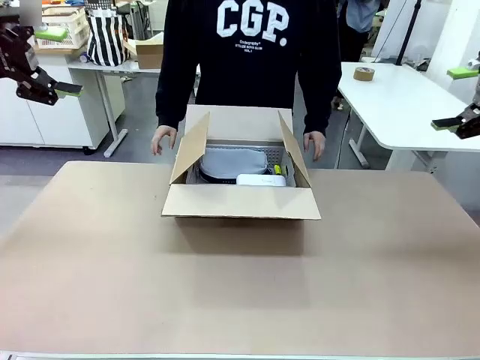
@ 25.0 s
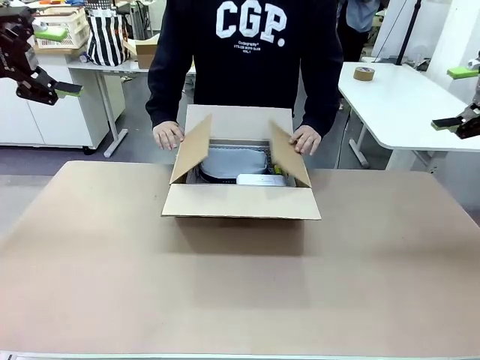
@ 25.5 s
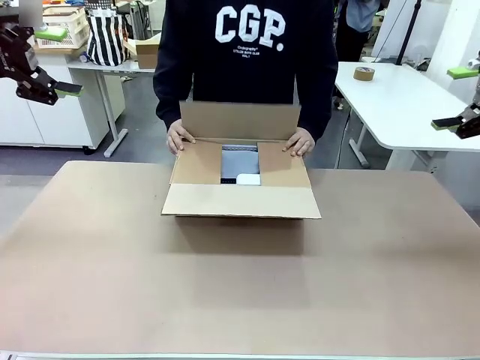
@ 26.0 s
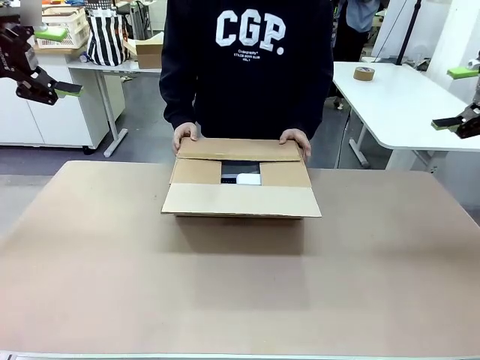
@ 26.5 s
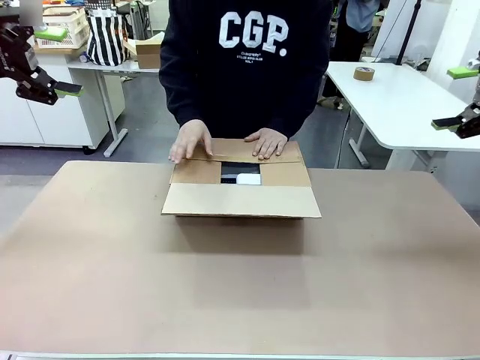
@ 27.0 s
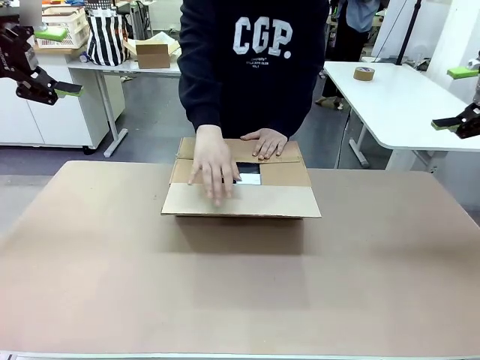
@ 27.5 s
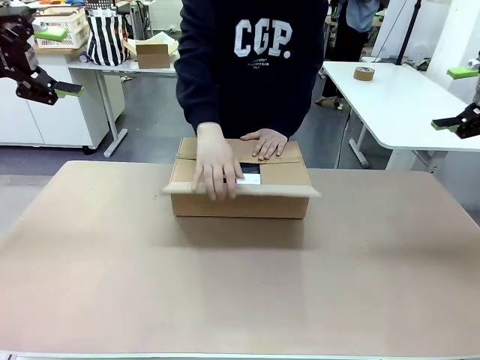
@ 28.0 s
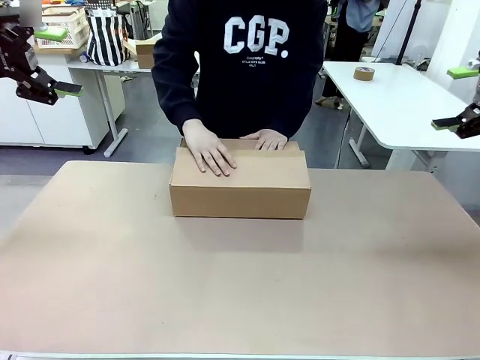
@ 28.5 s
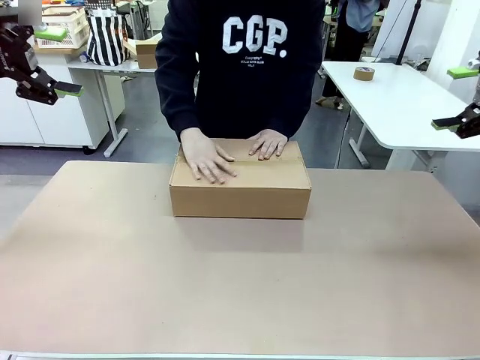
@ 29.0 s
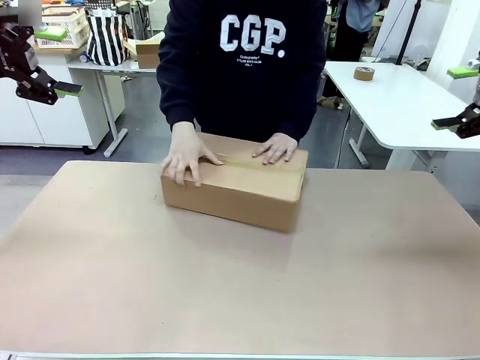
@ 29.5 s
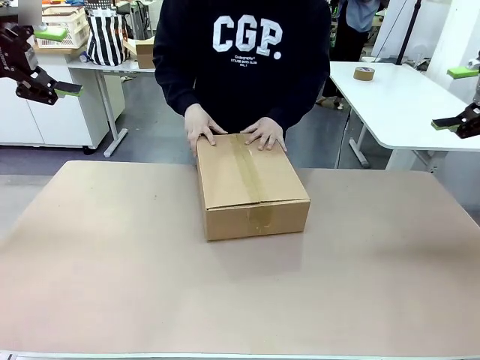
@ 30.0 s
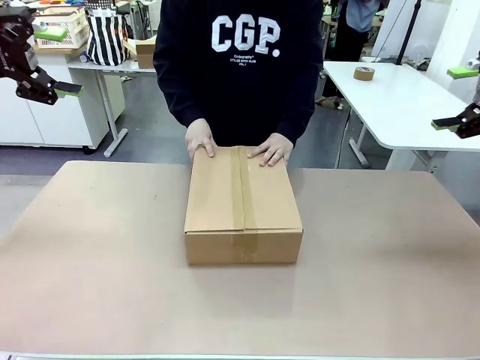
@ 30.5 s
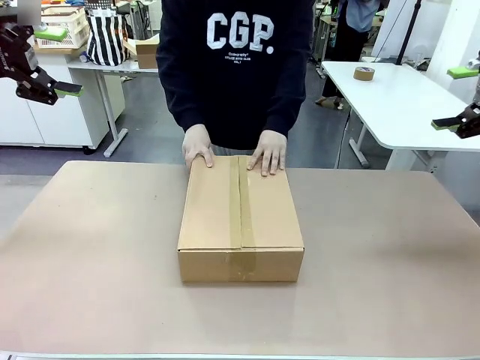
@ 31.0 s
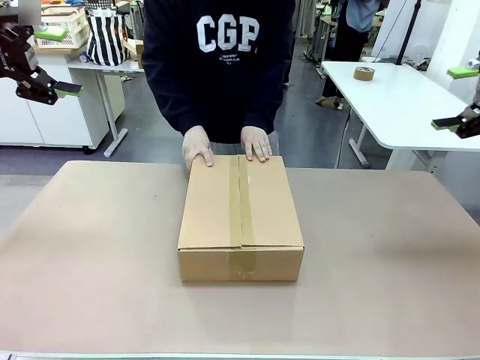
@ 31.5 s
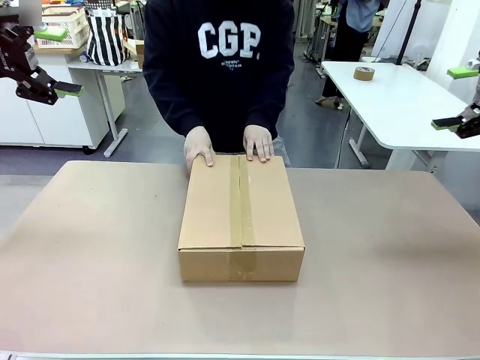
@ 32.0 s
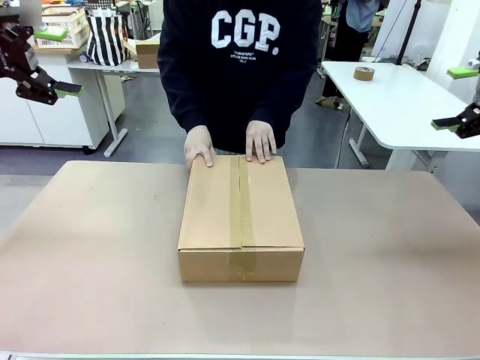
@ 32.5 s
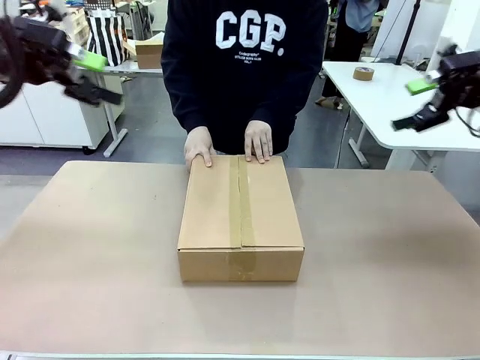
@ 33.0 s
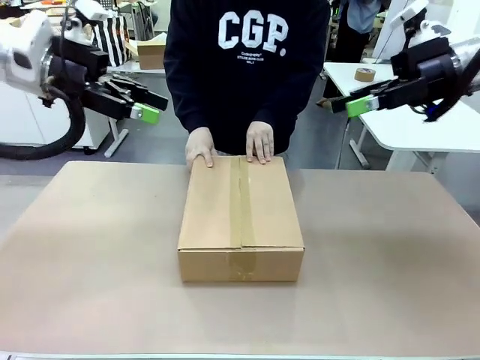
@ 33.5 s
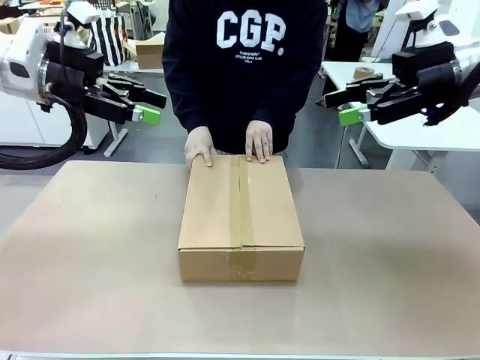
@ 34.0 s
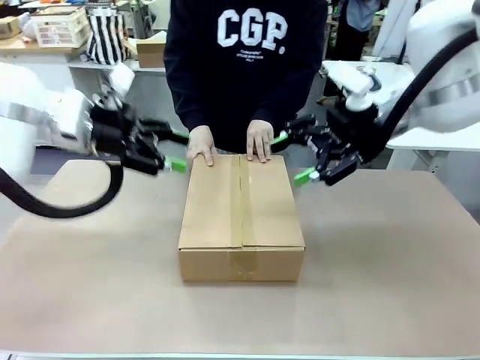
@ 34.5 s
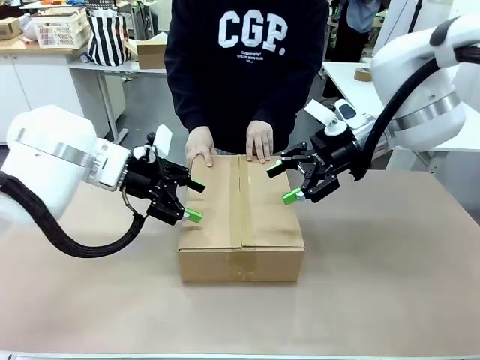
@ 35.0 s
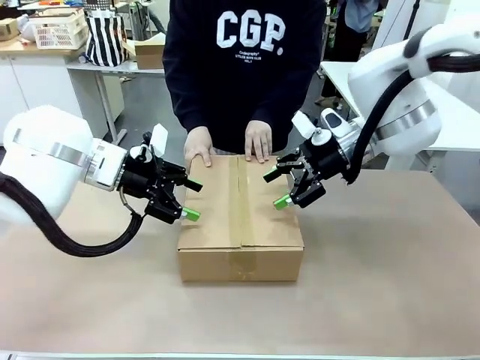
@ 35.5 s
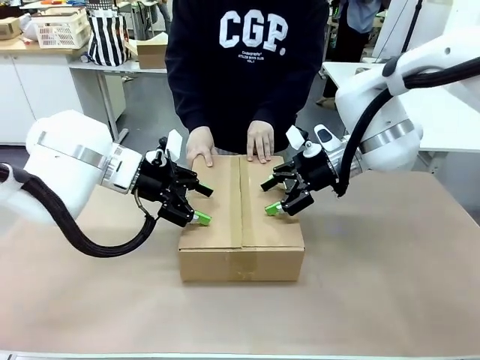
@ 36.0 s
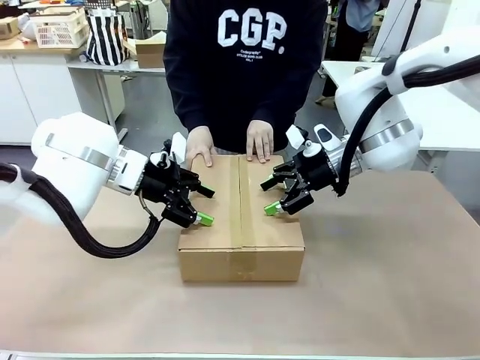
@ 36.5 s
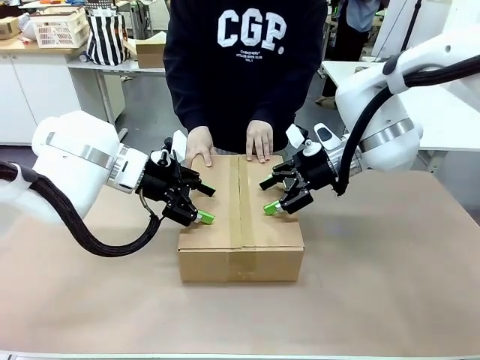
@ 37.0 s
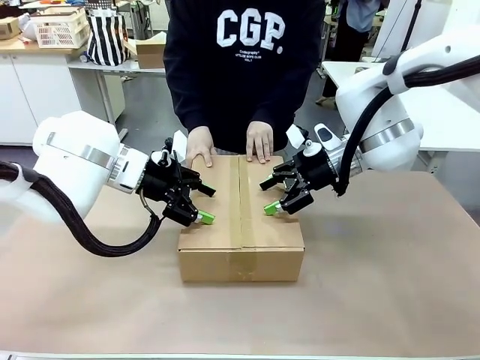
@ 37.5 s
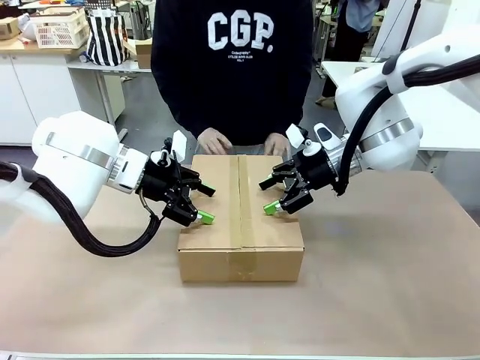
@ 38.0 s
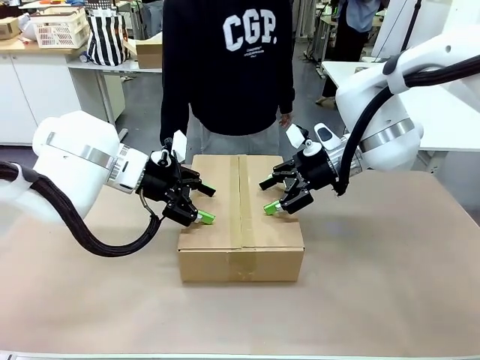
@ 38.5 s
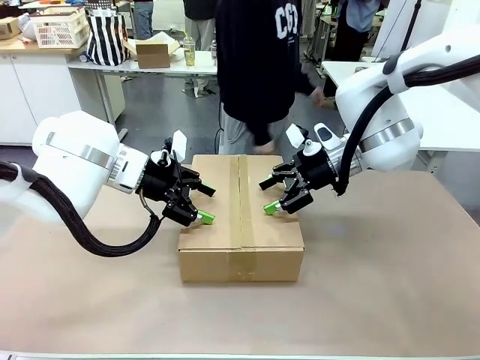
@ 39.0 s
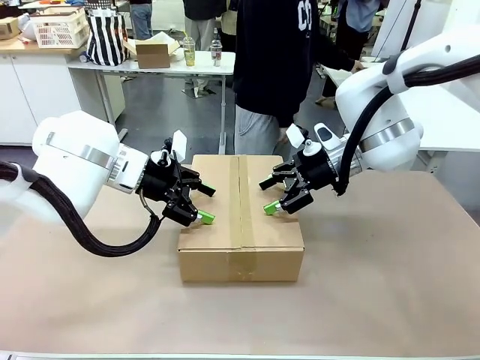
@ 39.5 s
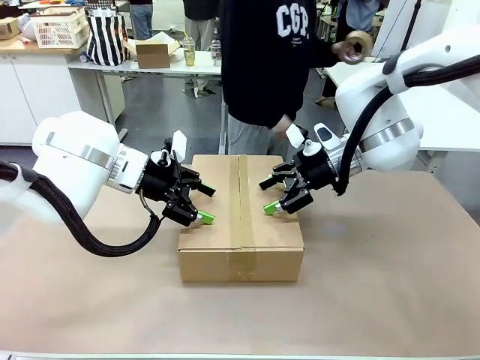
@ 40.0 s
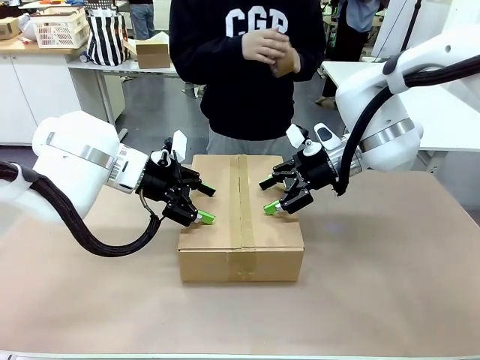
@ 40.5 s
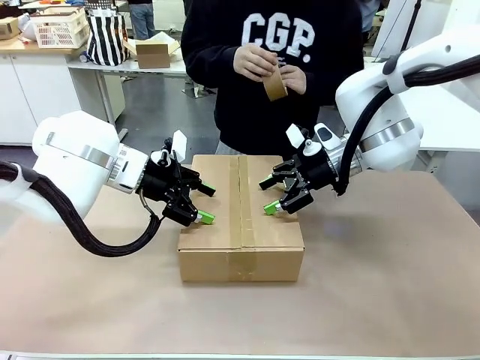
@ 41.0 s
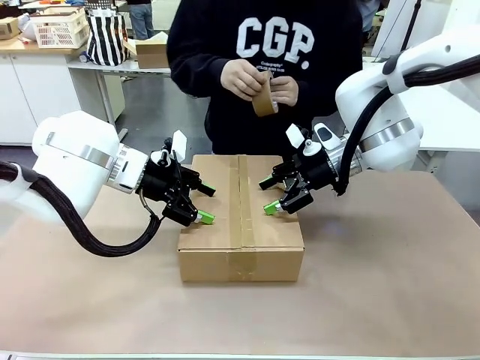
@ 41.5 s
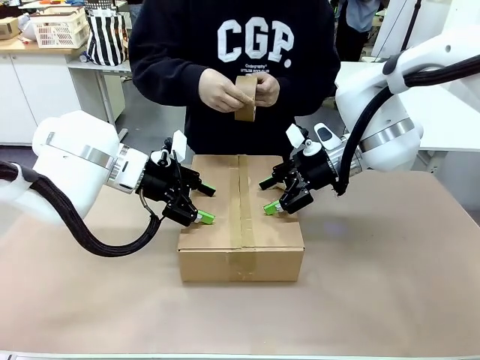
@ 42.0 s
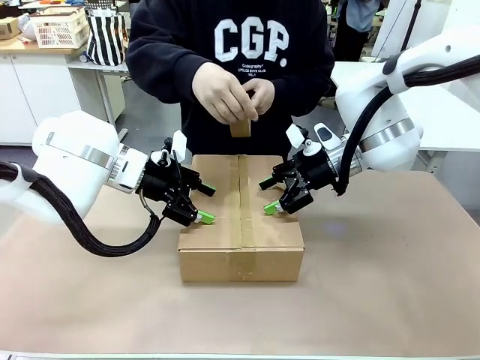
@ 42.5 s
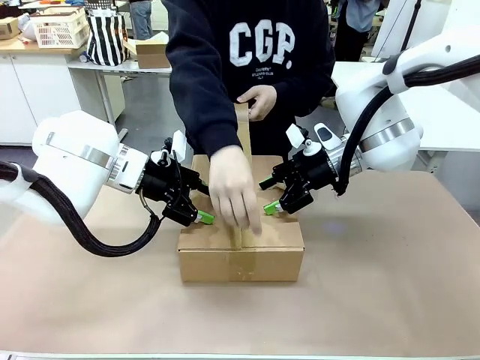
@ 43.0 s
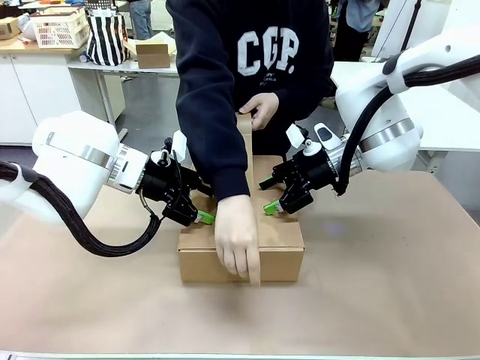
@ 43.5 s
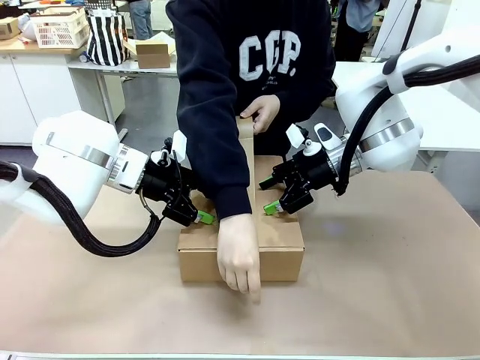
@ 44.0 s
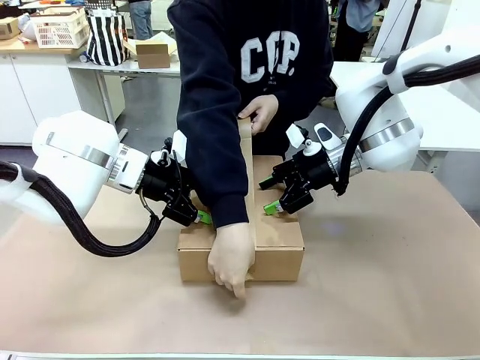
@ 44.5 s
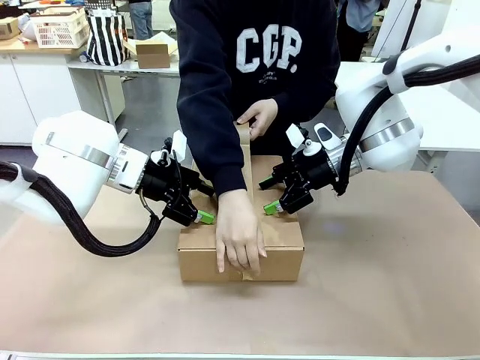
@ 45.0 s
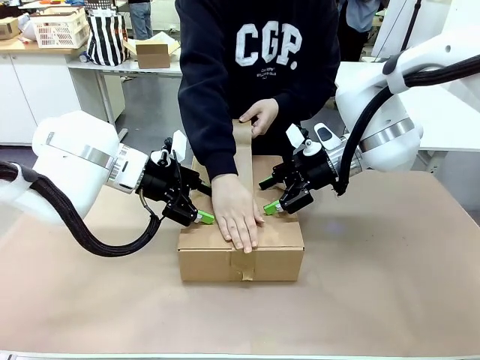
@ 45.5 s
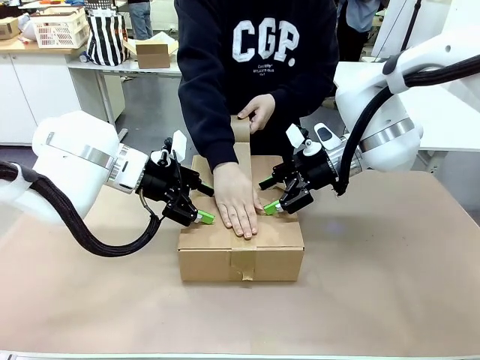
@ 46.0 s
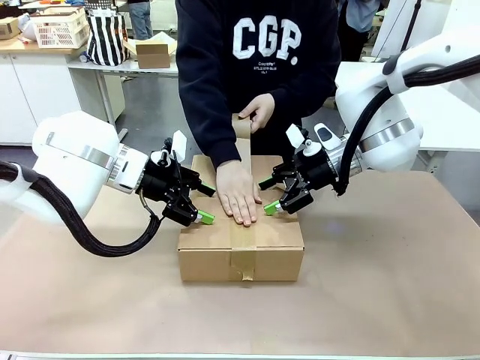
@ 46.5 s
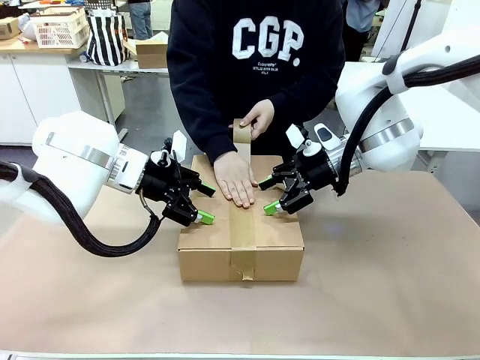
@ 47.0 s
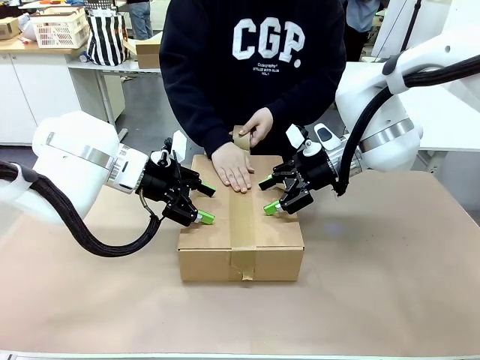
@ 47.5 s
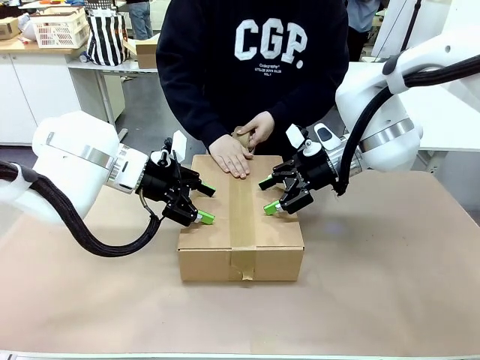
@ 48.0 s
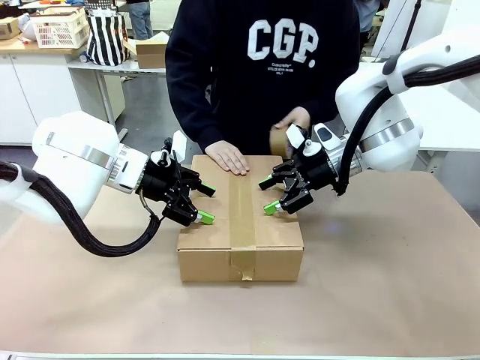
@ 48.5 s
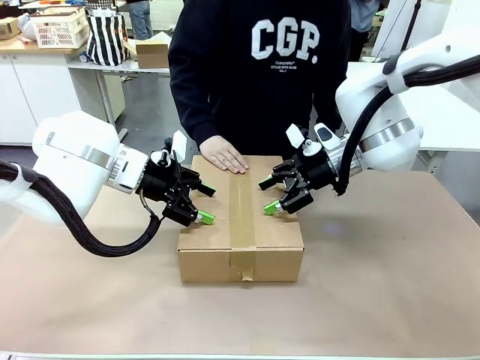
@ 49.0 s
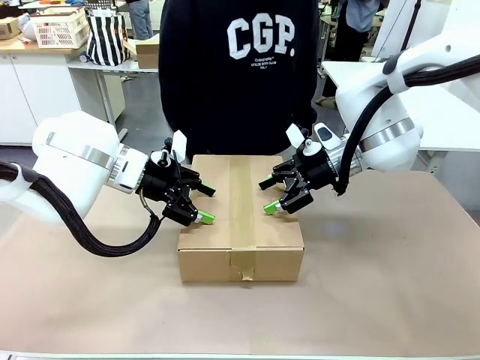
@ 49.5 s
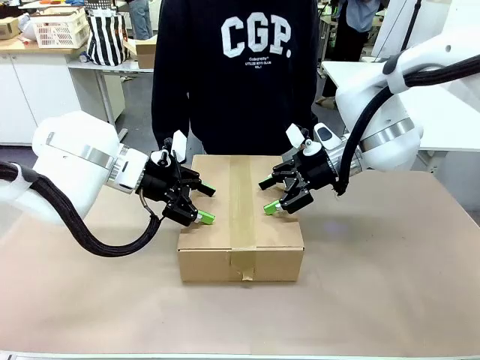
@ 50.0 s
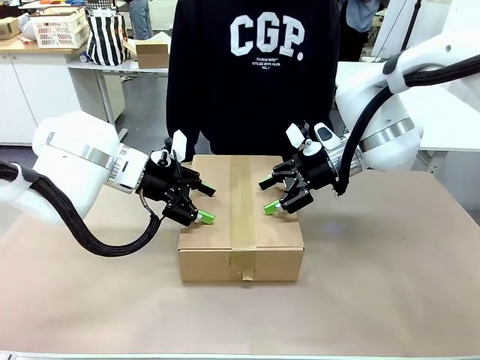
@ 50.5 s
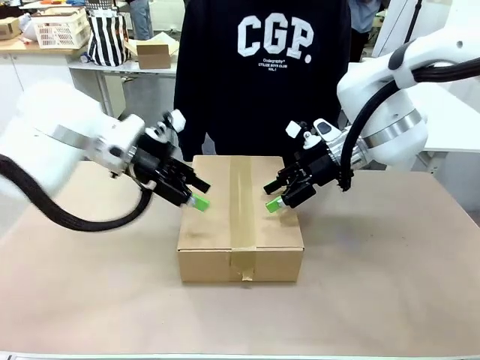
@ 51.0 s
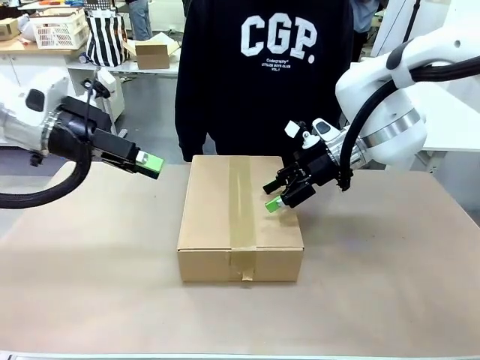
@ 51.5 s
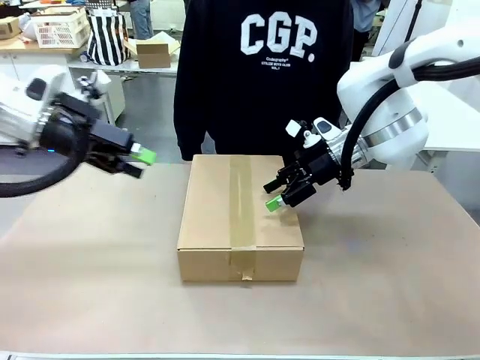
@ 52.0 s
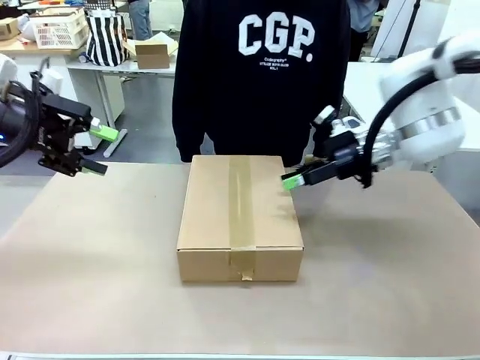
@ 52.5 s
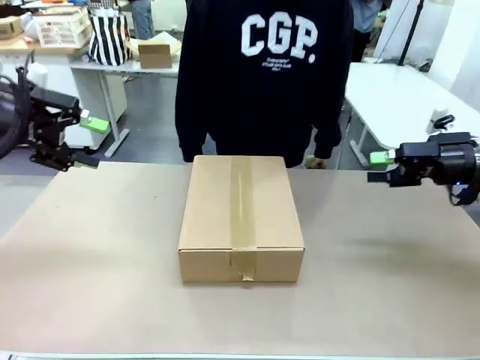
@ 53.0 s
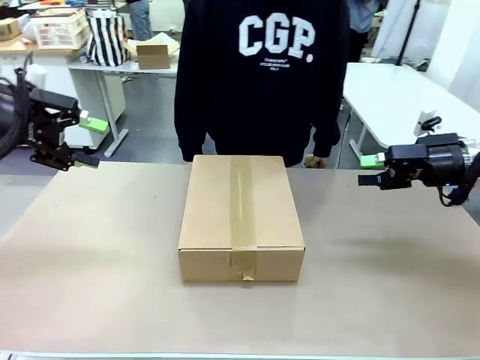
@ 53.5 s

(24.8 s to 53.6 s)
Task: Pack the gift set into the box.
Robot: Press and hold the closed box until the human finishes sealing it.
Person: The human closes the box and rotates the box by 90 degrees. The human picks up the paper tape from the human table and packs the box.
